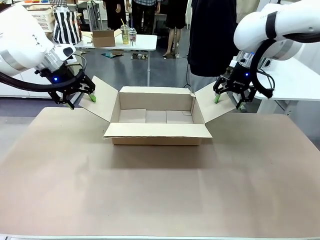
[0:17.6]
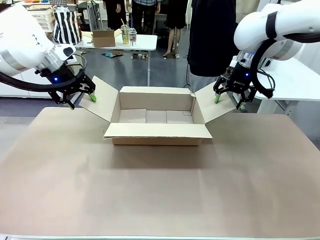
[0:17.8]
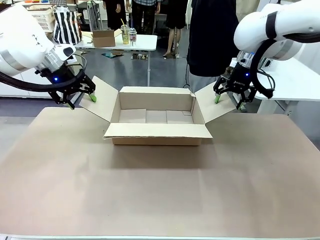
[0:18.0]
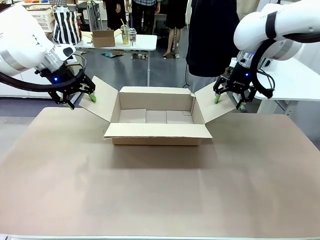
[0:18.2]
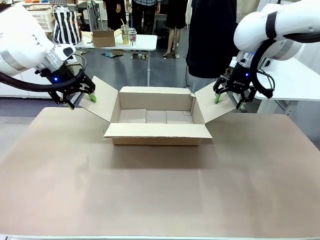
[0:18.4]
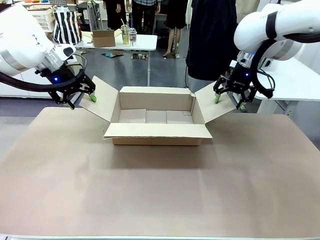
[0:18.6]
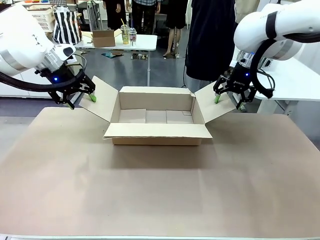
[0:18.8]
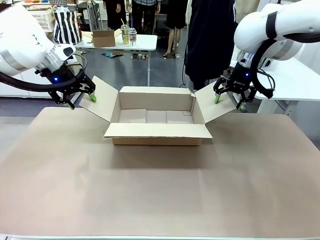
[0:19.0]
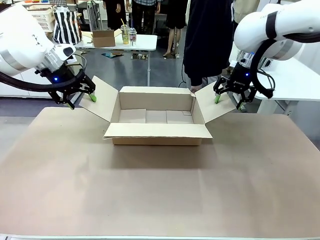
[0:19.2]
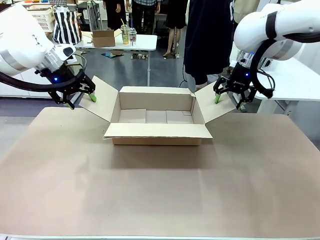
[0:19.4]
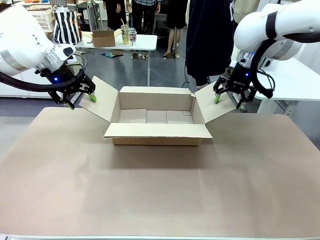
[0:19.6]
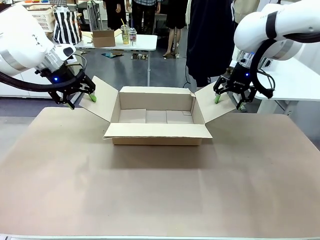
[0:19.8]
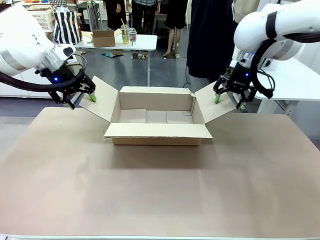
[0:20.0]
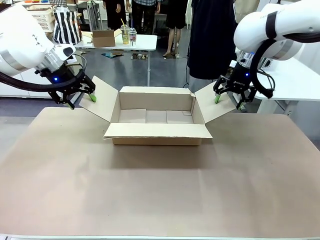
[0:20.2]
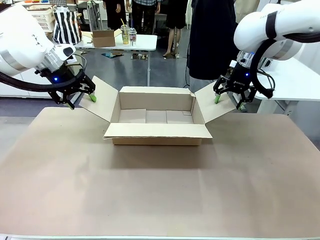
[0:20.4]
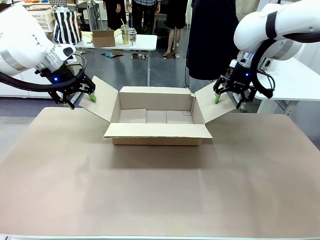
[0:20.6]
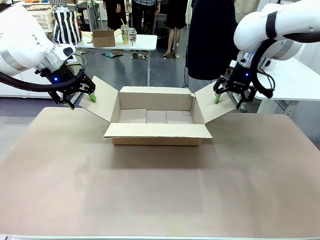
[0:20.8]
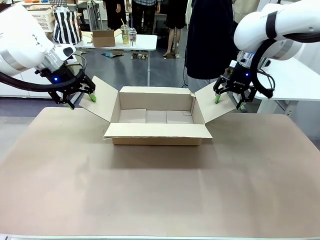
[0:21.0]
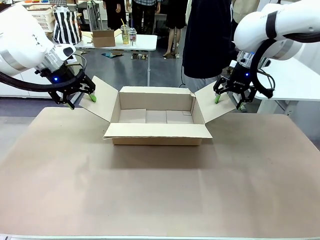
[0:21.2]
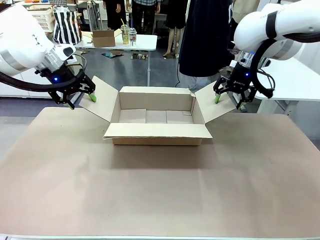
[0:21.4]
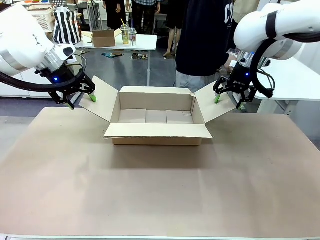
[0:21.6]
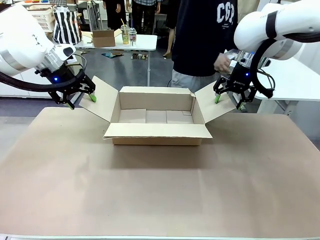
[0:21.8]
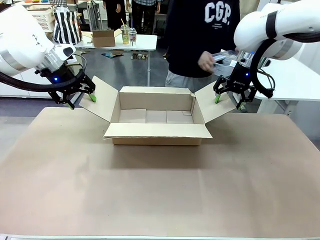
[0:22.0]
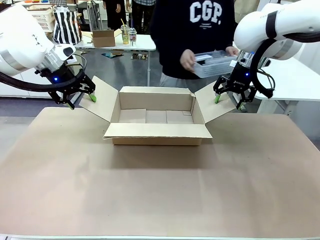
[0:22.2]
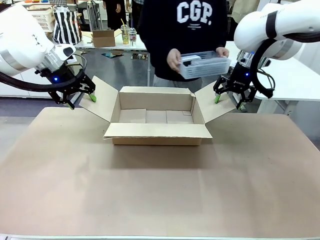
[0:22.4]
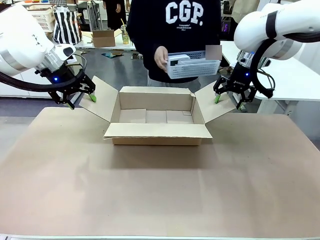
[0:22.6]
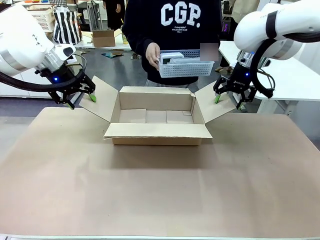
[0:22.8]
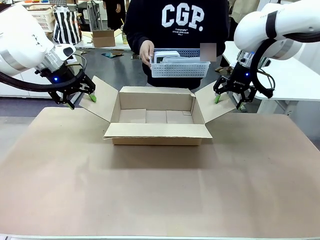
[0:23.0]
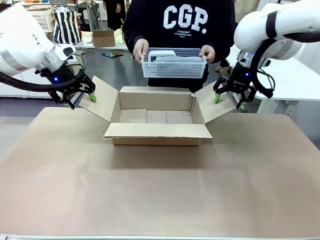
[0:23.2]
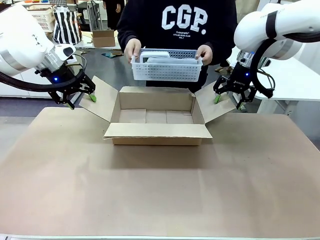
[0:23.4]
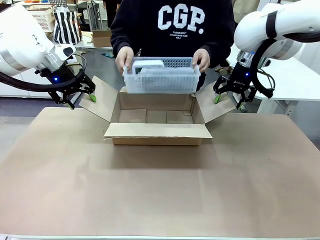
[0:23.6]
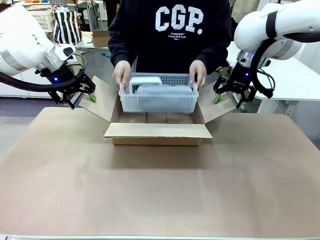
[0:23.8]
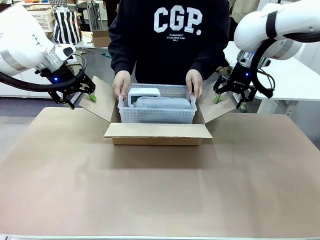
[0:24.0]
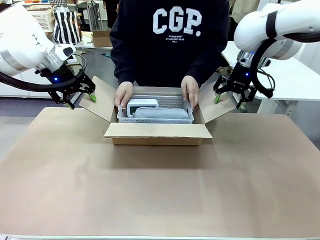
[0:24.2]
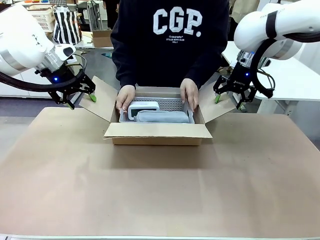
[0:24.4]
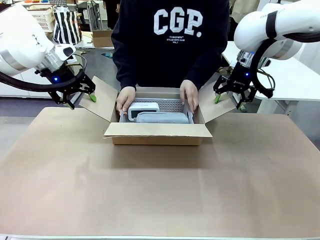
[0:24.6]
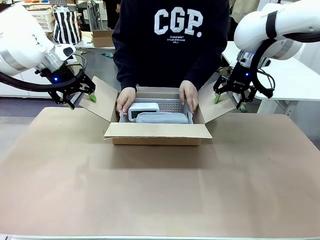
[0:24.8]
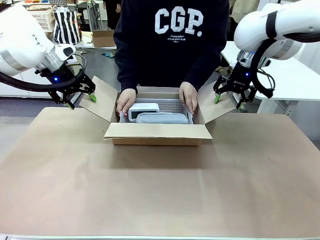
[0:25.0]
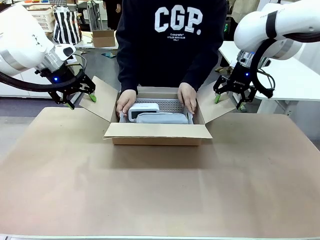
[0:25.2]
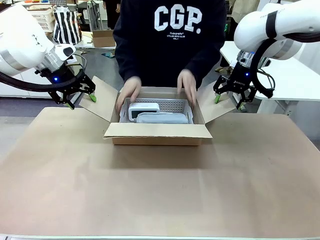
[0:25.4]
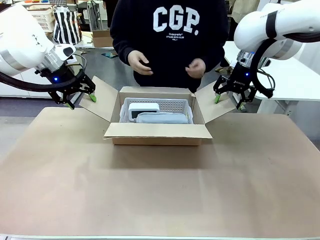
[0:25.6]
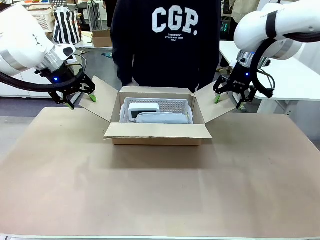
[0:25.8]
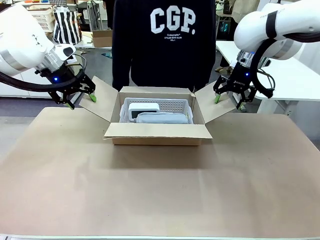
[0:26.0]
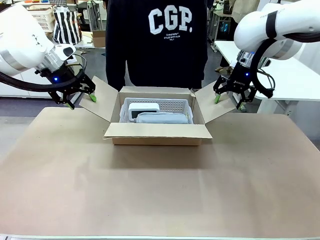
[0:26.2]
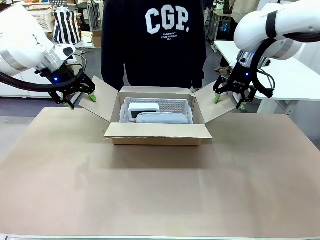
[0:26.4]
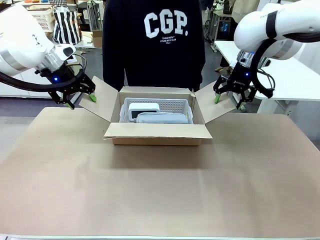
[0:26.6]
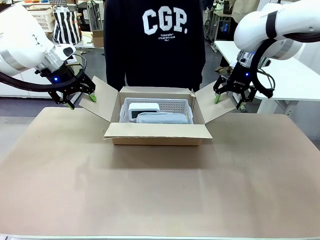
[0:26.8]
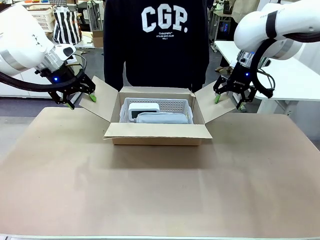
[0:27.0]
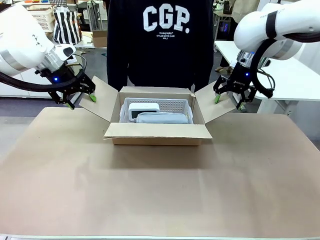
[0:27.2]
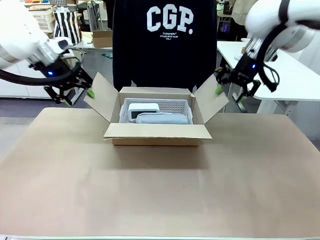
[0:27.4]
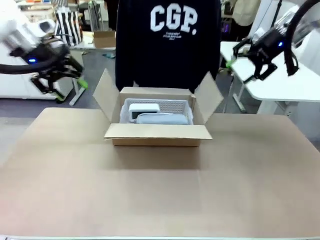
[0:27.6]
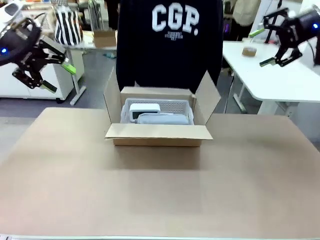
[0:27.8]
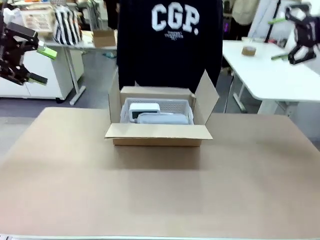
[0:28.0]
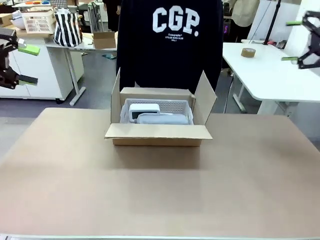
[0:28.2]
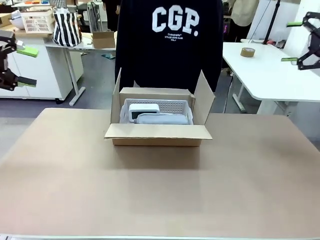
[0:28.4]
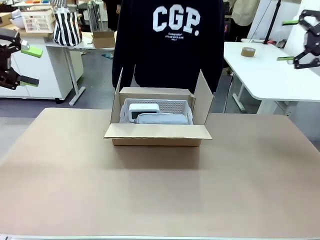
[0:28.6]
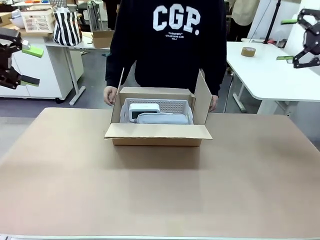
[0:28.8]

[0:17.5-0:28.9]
Task: Pack the gift set into the box.
Robot: Lift both hands away from the flaps of the Package Box.
Person: The human picks up the organizing basket and places the organizing basket into the package box on the robot table.

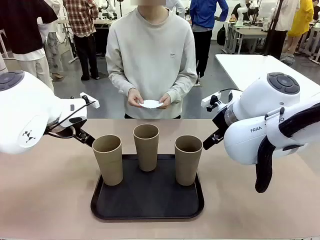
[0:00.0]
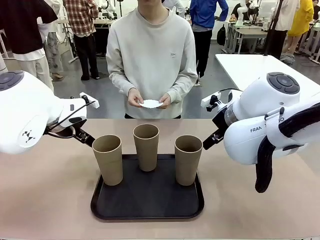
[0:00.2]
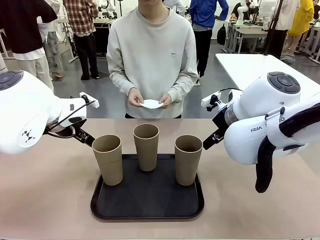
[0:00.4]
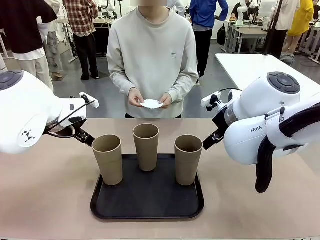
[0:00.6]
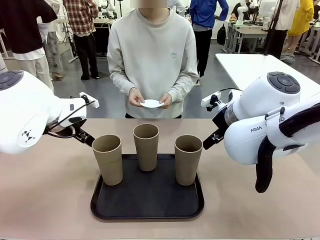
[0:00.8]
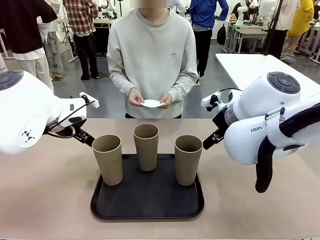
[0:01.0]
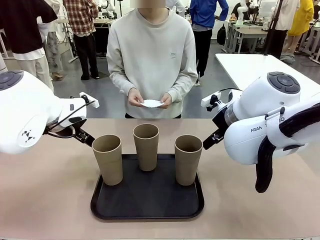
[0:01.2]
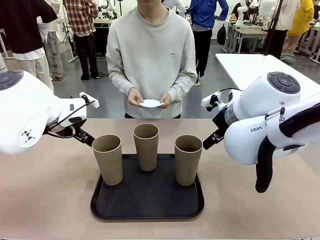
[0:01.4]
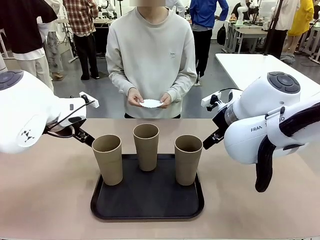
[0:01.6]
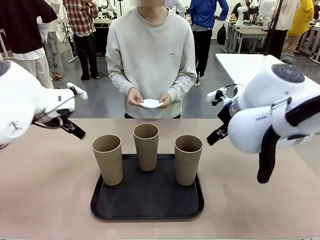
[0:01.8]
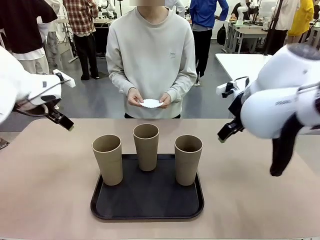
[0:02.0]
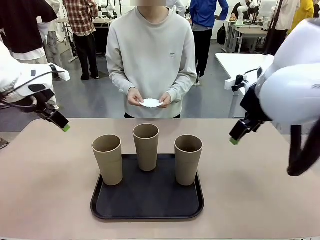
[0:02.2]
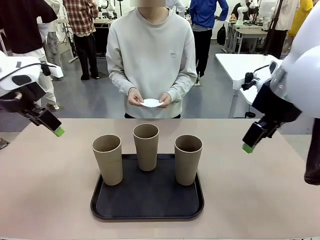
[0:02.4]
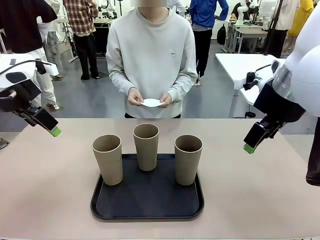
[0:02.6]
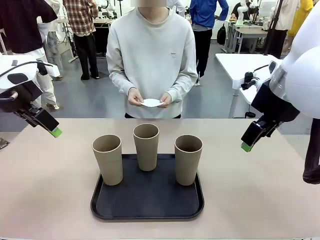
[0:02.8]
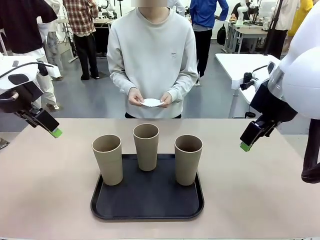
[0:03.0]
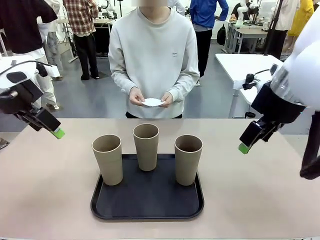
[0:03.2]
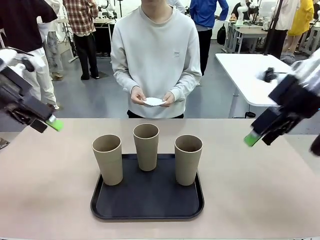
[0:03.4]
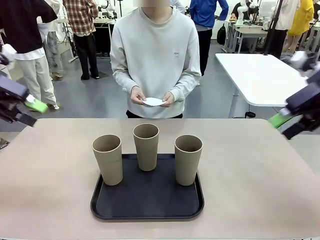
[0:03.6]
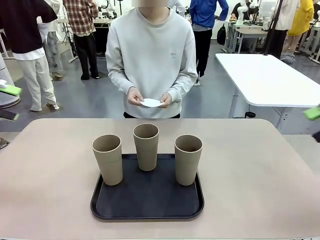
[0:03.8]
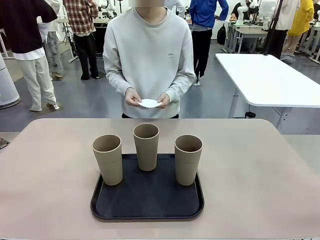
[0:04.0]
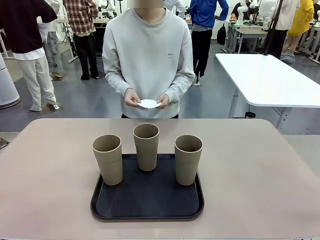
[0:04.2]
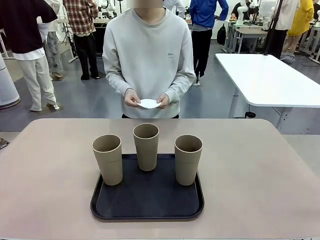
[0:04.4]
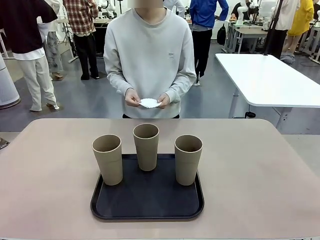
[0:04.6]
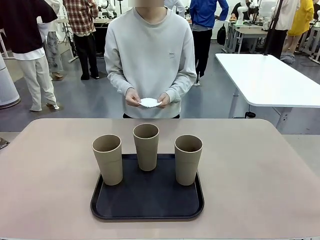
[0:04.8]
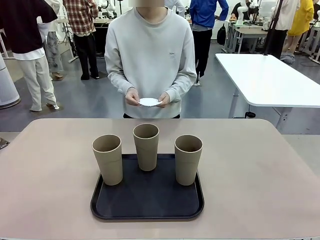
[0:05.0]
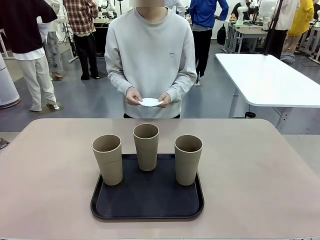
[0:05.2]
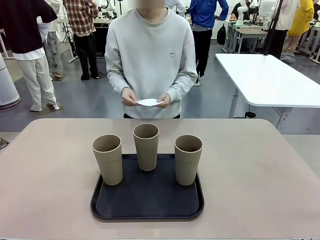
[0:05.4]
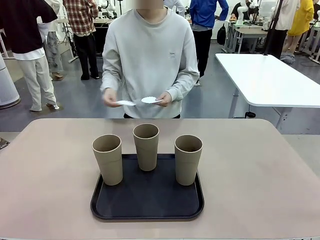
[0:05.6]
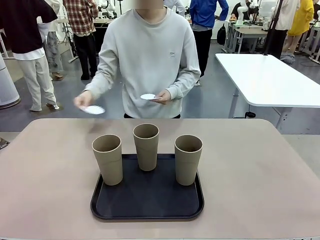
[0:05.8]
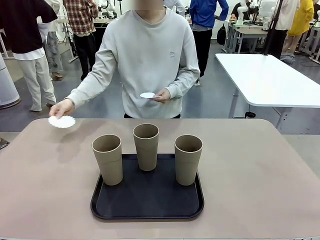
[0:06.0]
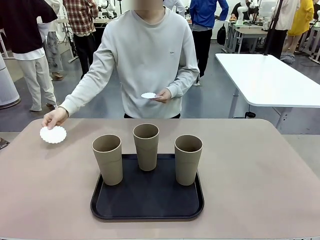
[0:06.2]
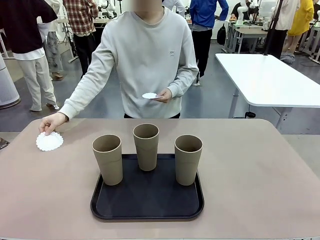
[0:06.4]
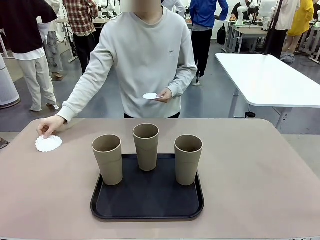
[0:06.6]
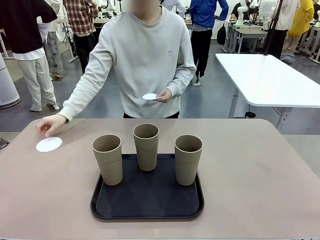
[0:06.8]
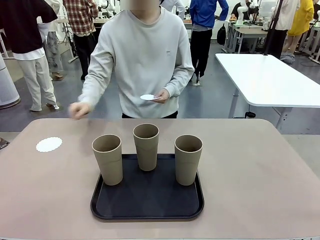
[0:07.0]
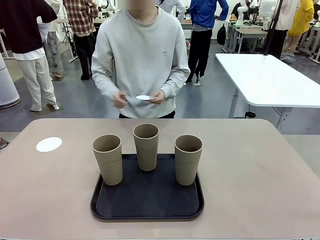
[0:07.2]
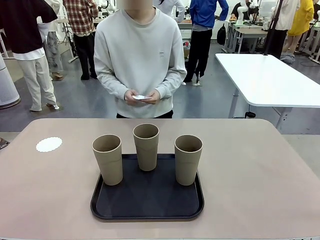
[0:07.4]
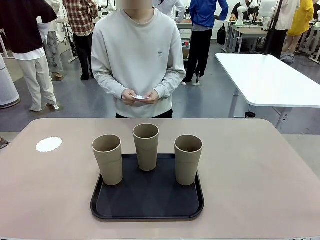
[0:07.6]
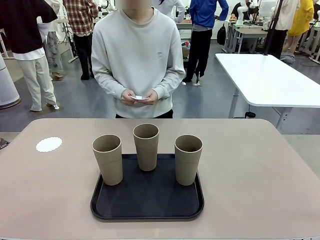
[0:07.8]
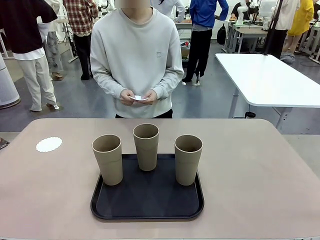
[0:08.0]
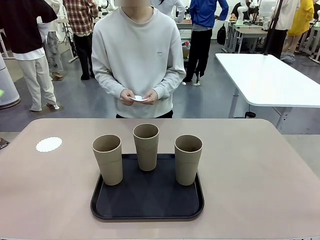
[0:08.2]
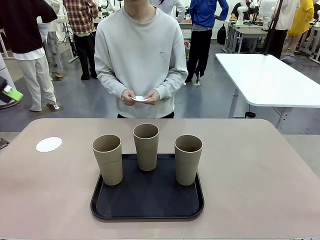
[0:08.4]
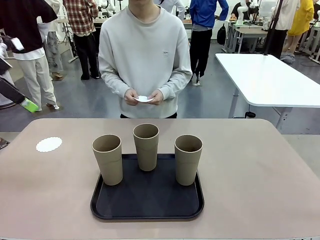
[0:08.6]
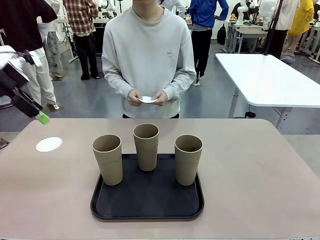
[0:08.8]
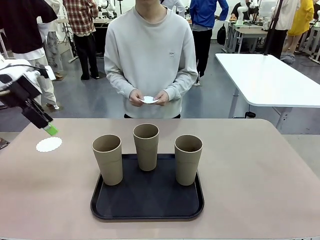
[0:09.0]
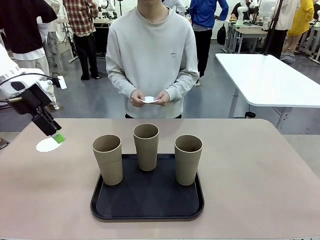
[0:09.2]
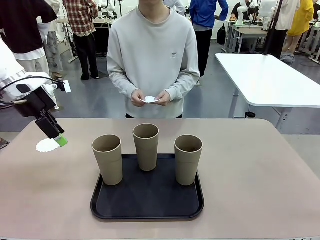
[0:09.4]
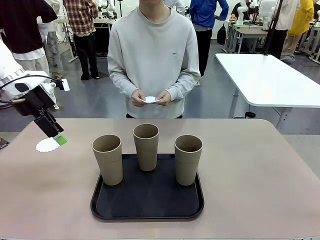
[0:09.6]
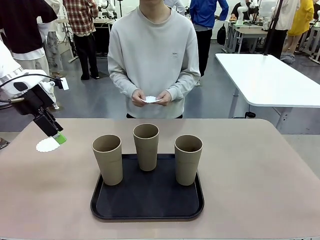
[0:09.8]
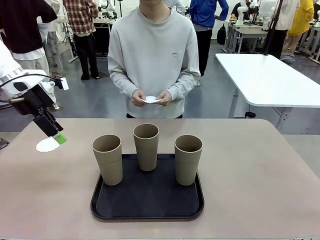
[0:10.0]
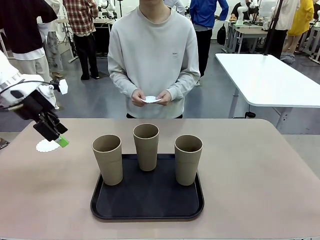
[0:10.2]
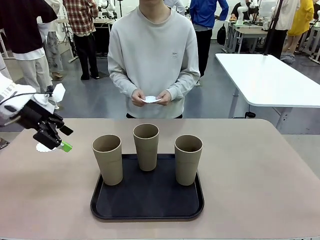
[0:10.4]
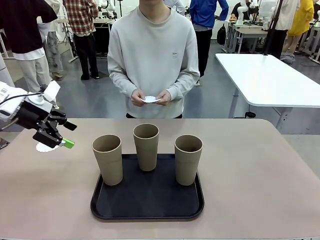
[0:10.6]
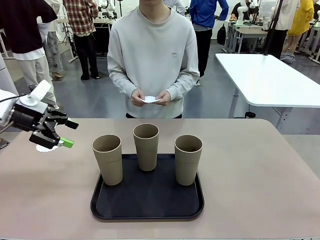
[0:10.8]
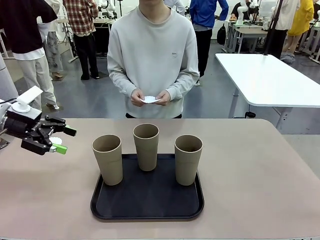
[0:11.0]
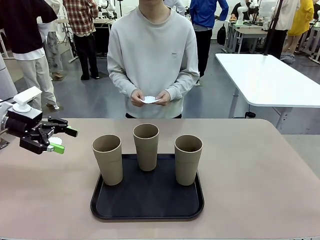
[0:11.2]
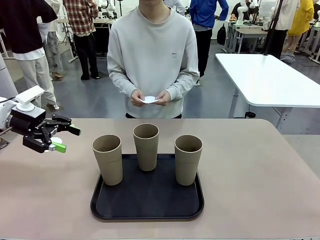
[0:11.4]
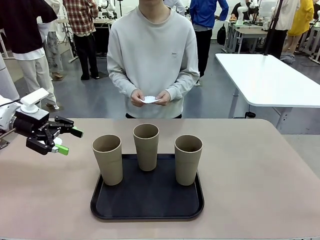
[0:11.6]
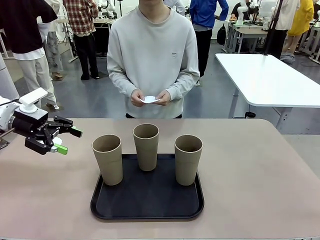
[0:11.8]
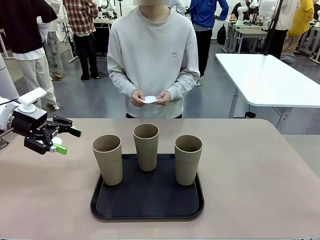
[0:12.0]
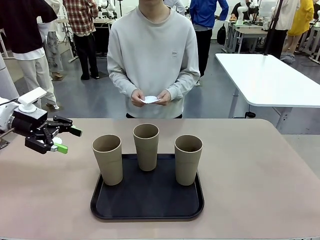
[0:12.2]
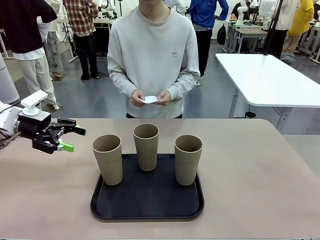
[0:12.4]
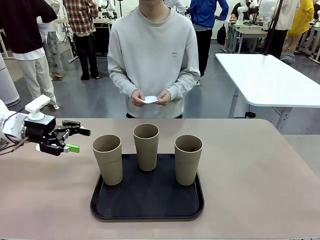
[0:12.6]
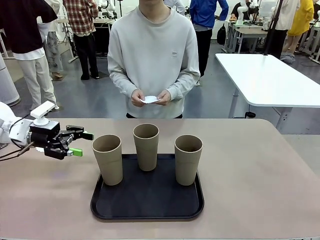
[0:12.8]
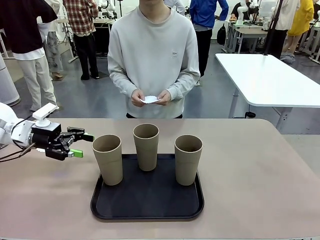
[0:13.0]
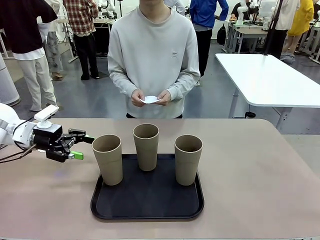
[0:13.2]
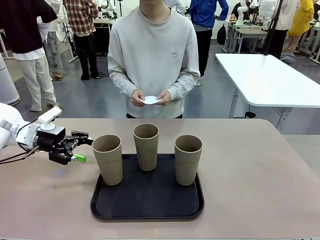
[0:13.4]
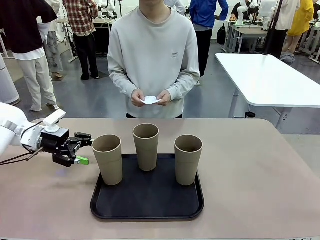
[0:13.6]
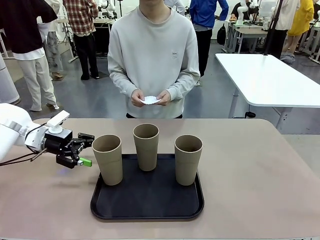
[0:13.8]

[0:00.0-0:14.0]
Task: Place coasters on the table and set cups on them.
Robot: Pick up one Reusable plastic cup and place it on a coaster set by the human.
Person: Place one coaster in any one of the three lower areas of the robot table (left, center, or right).
